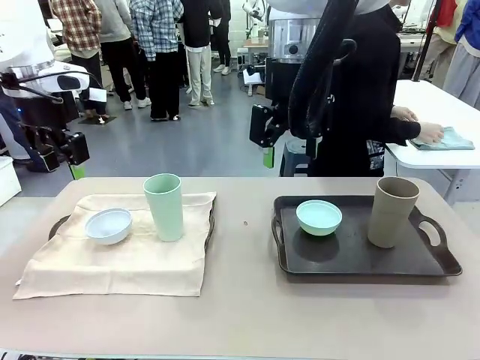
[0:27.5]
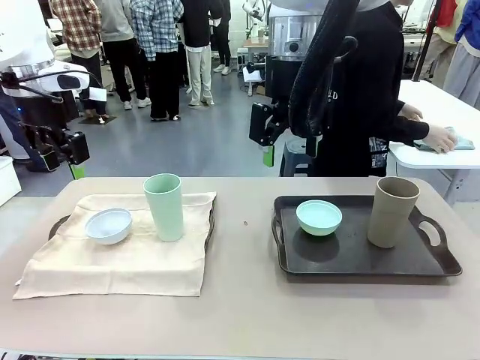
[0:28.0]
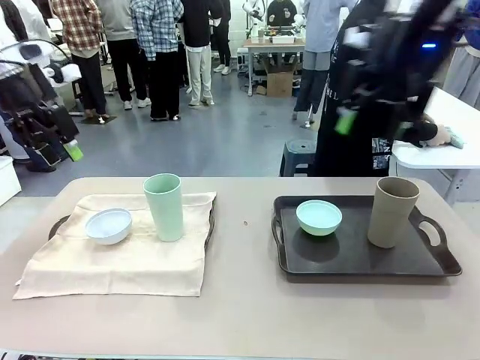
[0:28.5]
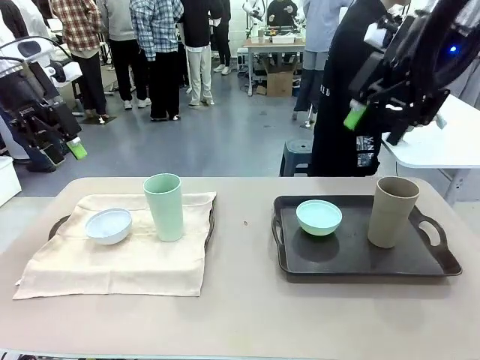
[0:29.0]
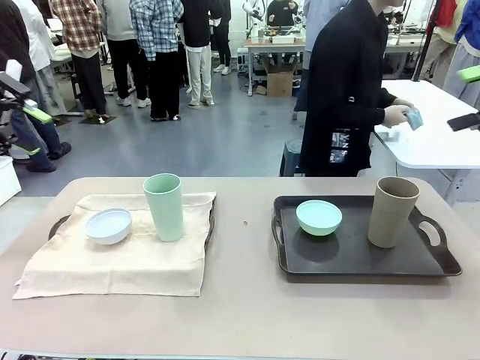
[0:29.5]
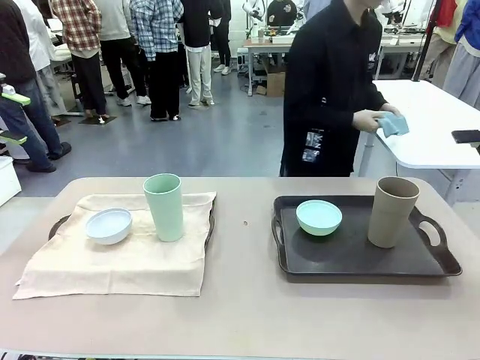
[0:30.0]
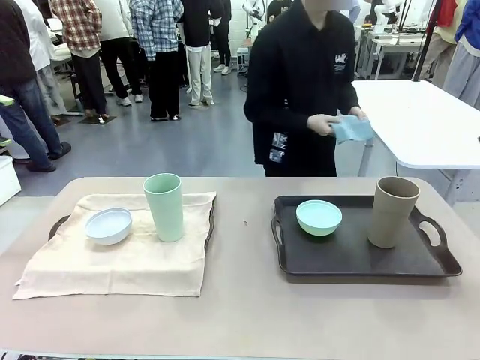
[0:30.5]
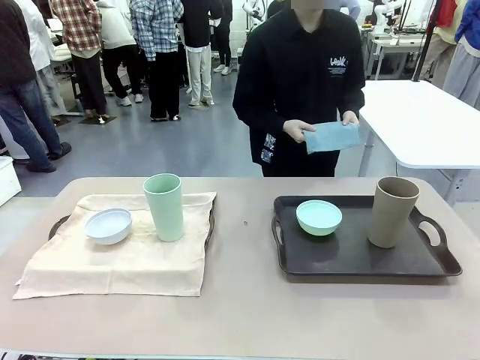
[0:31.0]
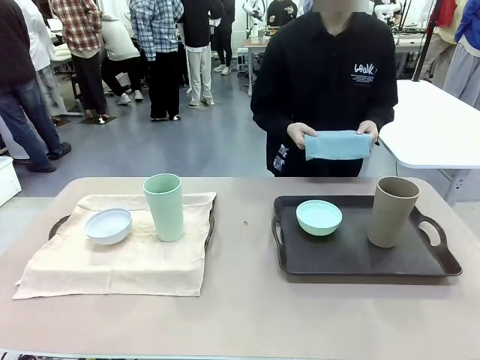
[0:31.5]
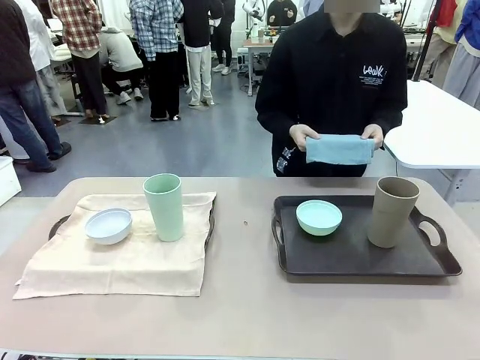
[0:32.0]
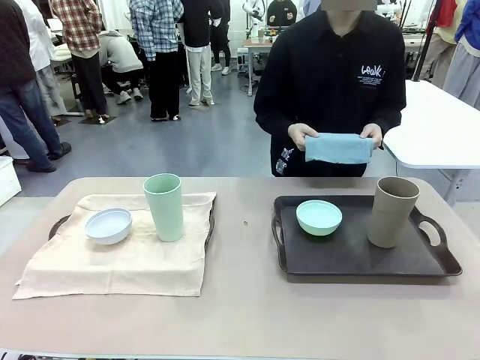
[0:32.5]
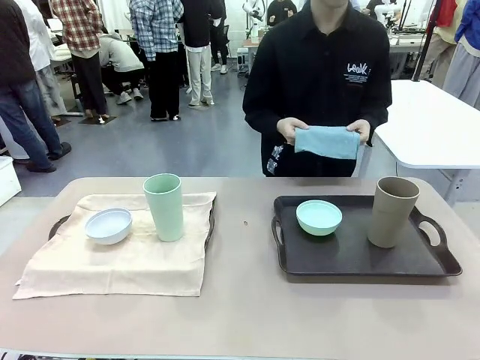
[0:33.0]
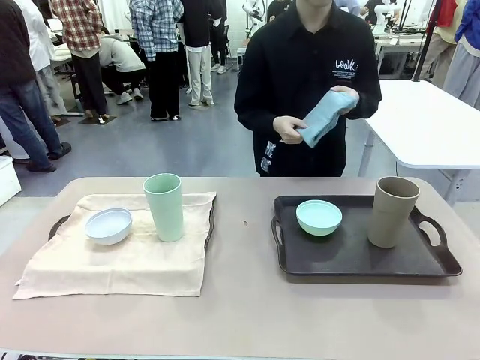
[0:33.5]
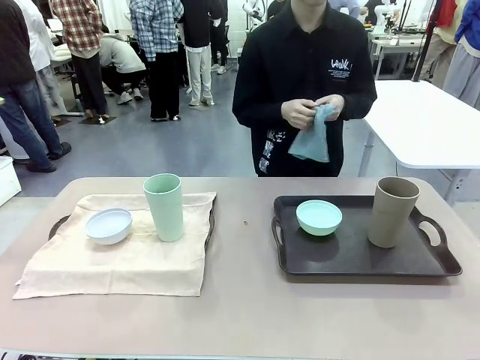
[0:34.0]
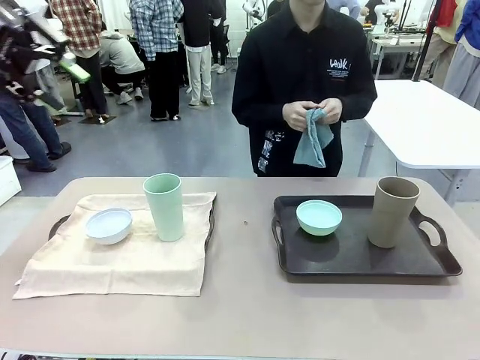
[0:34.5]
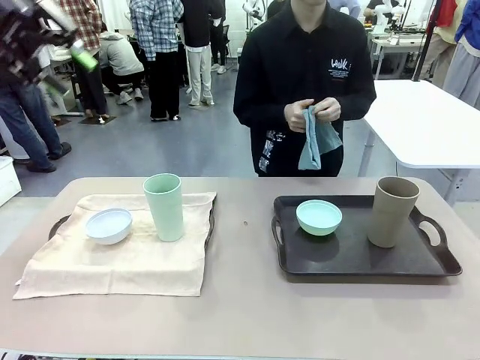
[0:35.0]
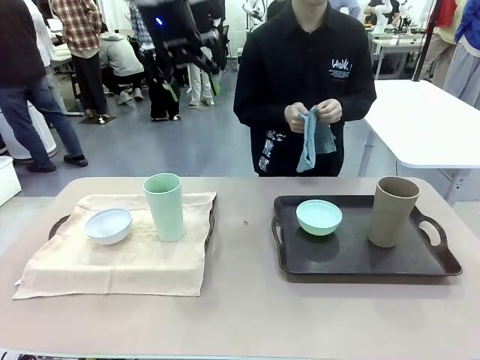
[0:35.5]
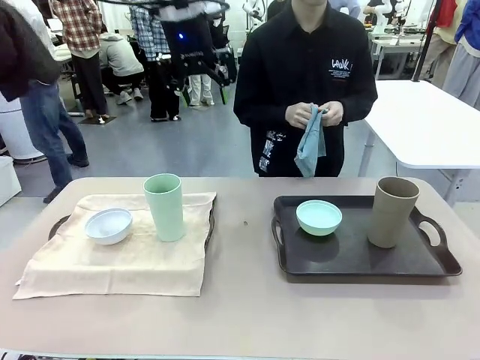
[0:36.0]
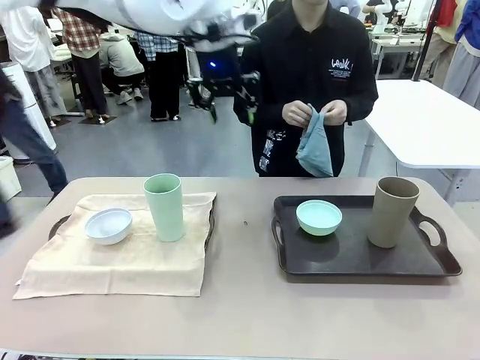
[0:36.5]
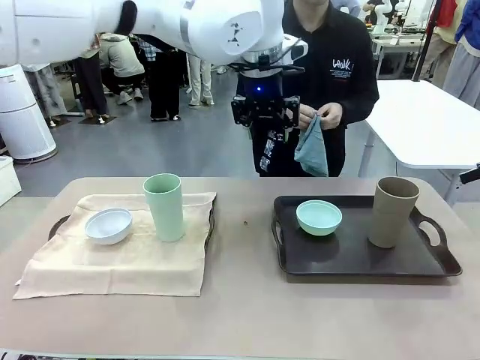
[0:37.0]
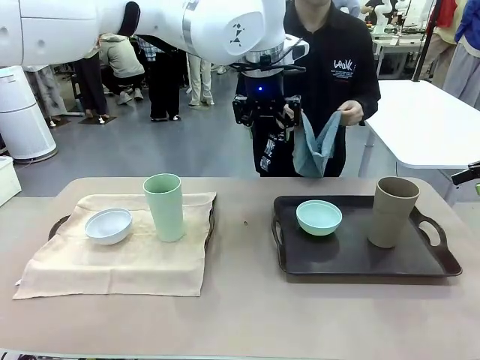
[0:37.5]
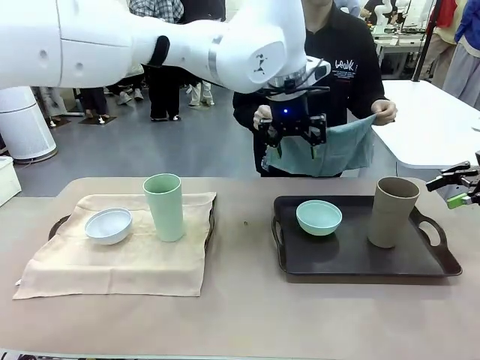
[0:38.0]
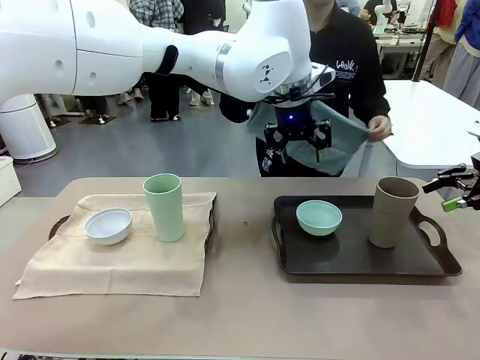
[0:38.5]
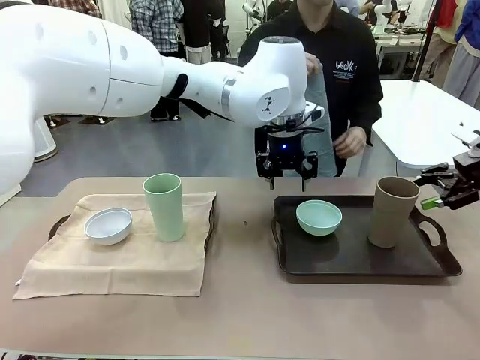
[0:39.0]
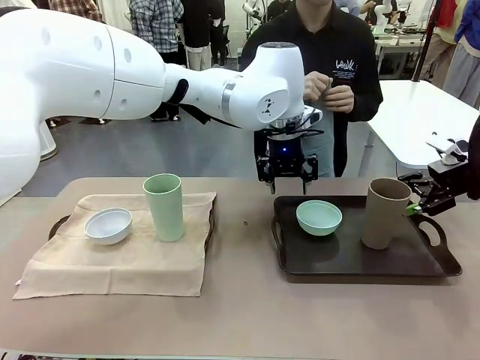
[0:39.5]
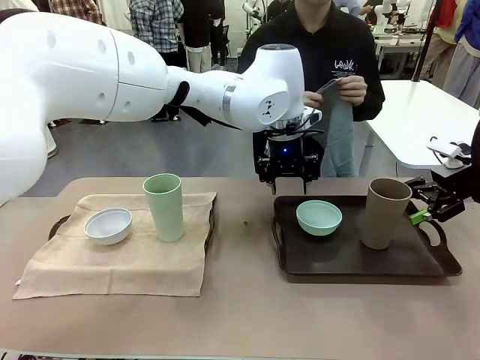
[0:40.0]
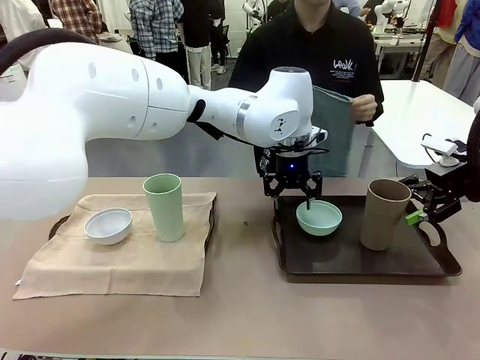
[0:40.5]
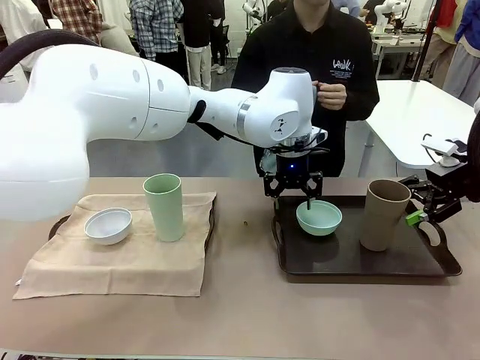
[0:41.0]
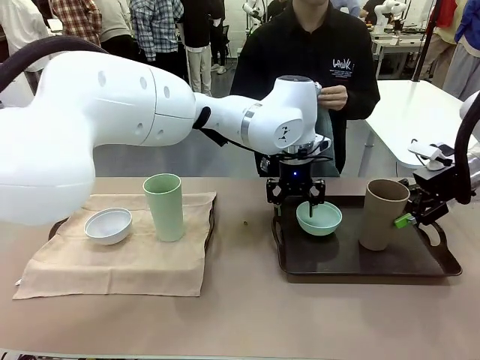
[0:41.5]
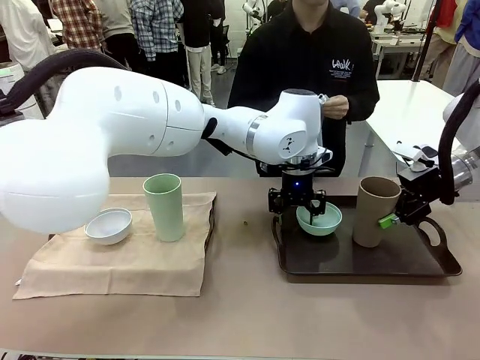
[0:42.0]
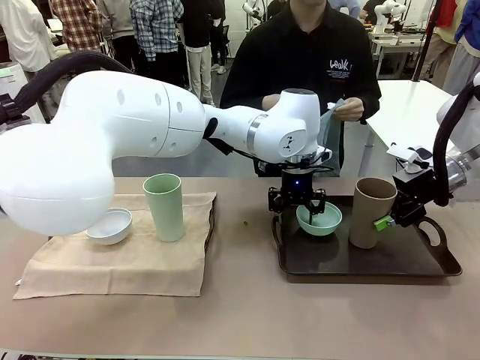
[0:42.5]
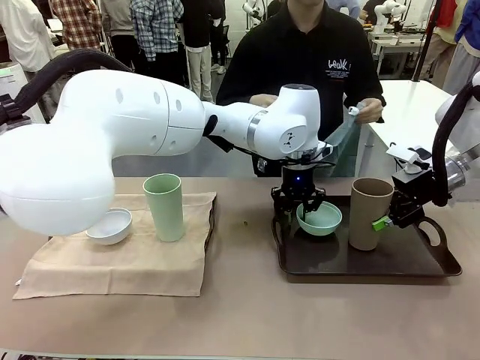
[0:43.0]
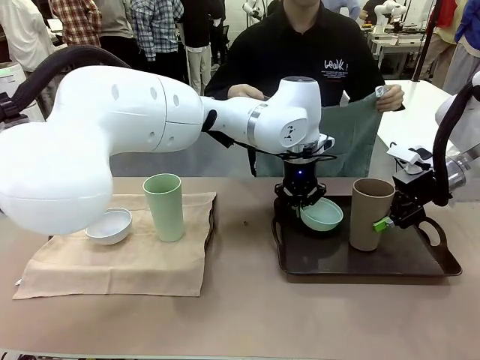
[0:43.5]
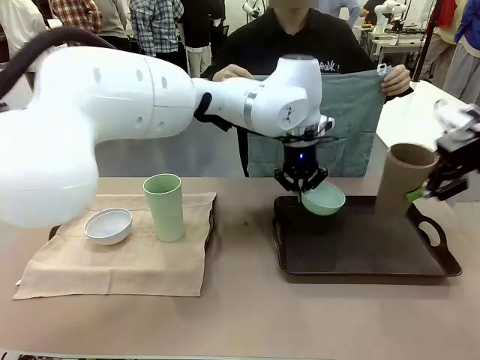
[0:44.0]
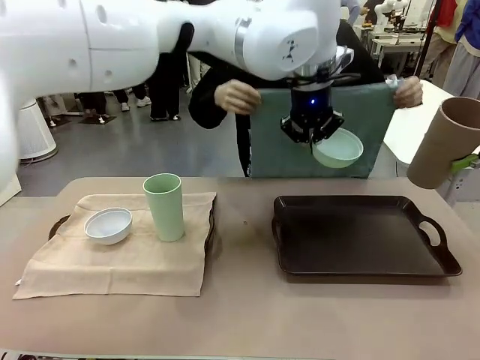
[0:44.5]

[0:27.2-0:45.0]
Robot: Pick up the Picnic Bowl and Reusable plastic cup from the Handle tray in front of the human's position and hold them in the air.
Person: The human returns to the human table to pick up another napkin and walks to the robot table to stand in front of the tray without a napkin. When the robot lifts the bowl and the cup, the human unfolds the napkin and lays the napkin flat on the tray.

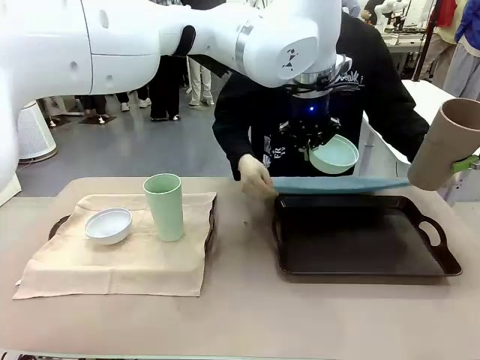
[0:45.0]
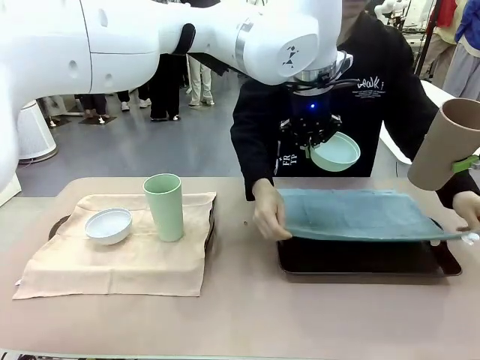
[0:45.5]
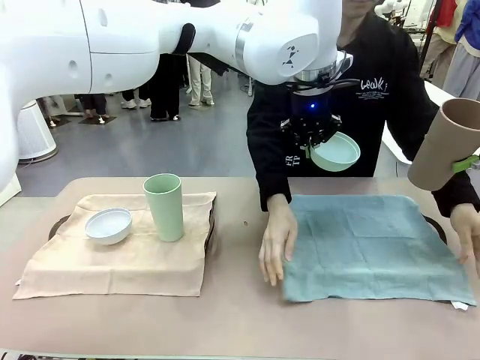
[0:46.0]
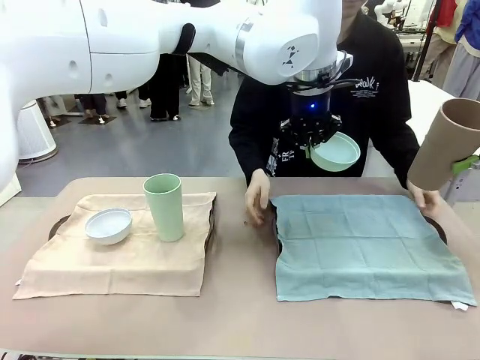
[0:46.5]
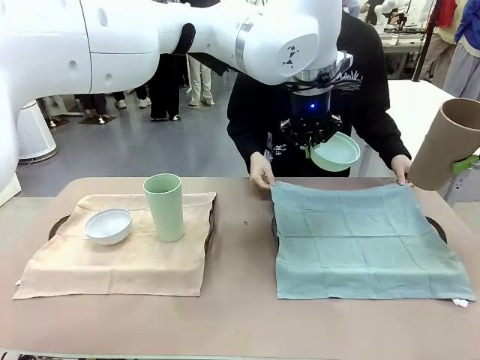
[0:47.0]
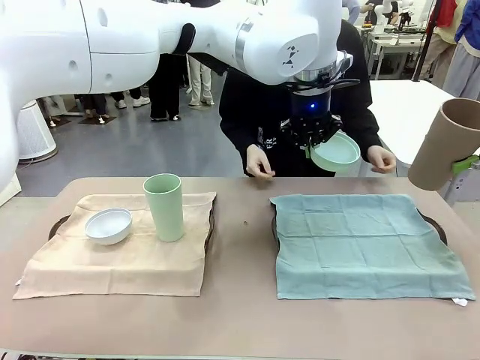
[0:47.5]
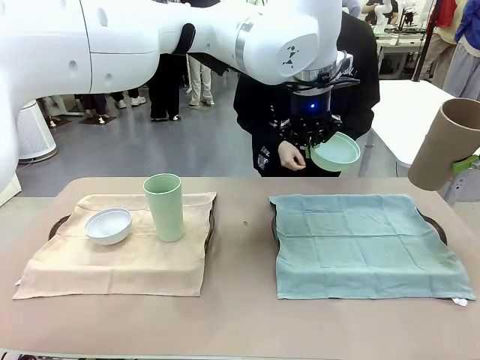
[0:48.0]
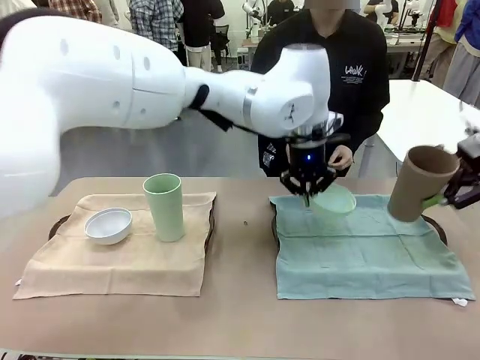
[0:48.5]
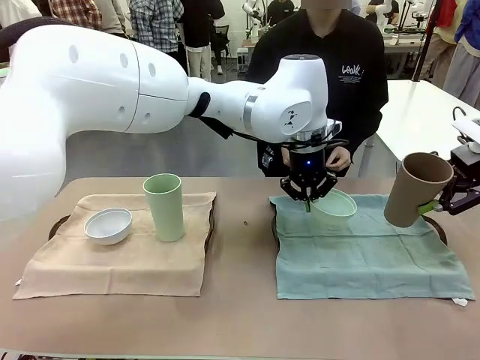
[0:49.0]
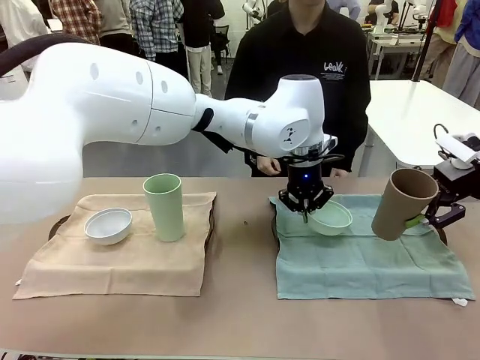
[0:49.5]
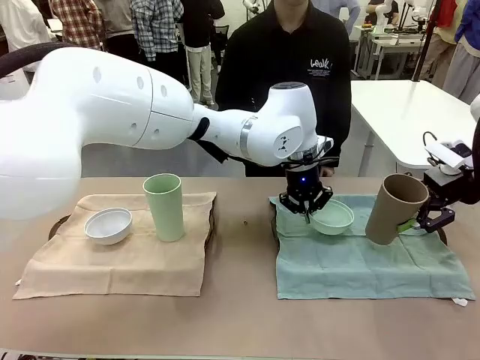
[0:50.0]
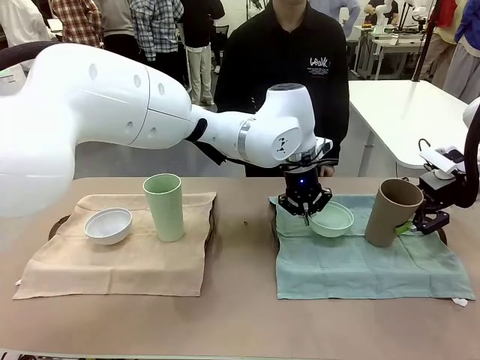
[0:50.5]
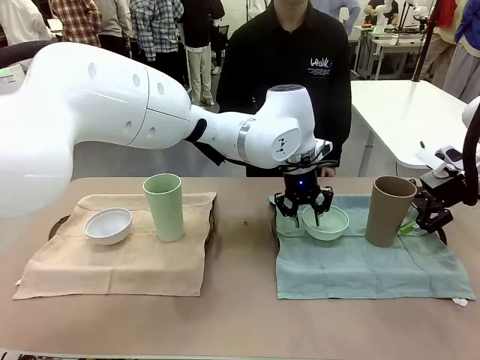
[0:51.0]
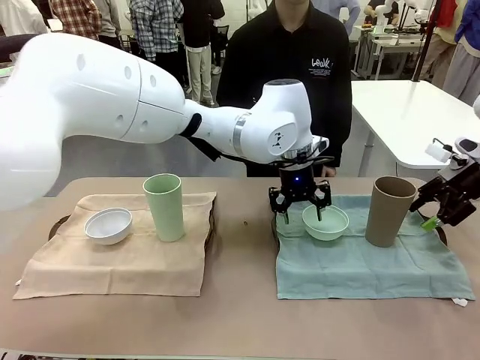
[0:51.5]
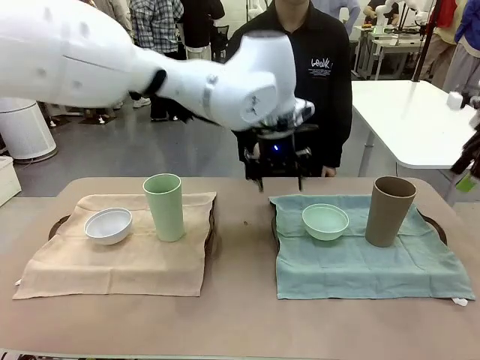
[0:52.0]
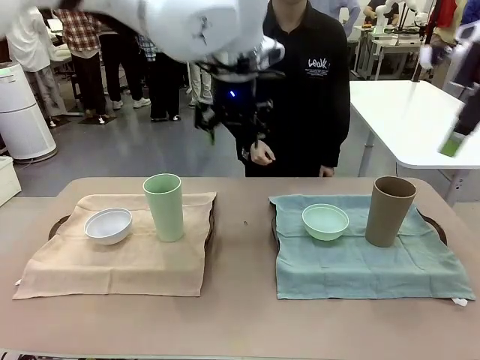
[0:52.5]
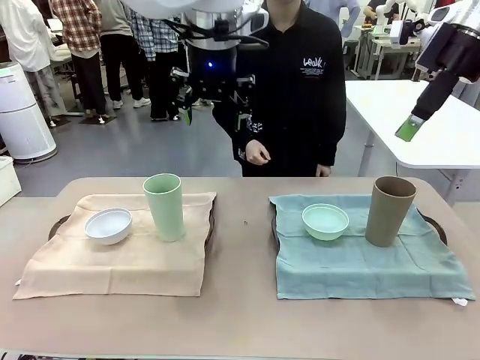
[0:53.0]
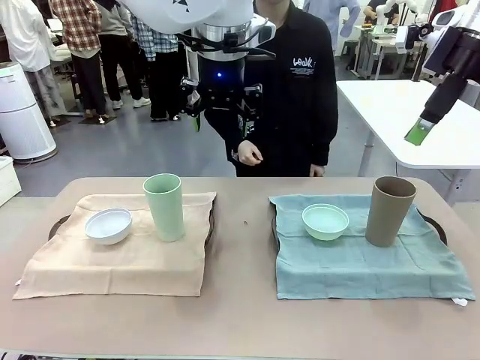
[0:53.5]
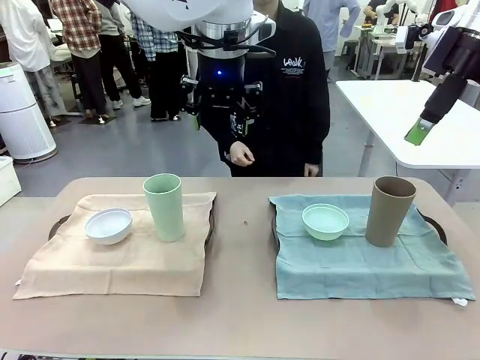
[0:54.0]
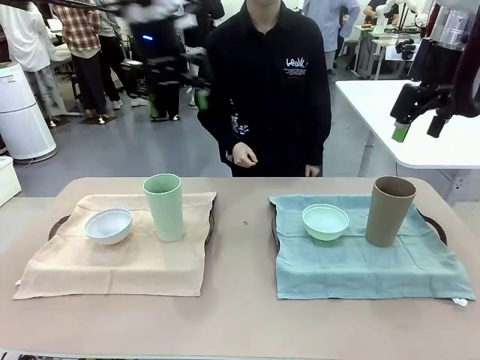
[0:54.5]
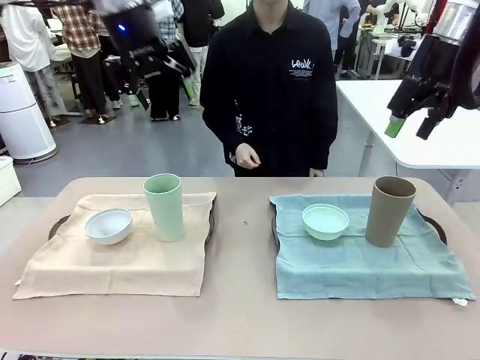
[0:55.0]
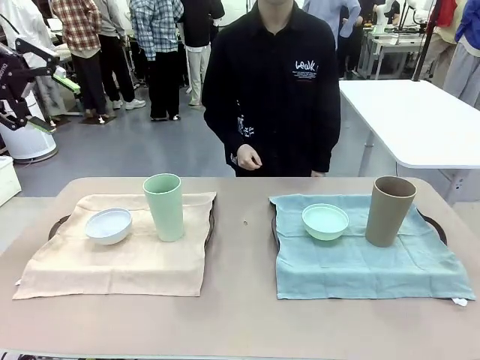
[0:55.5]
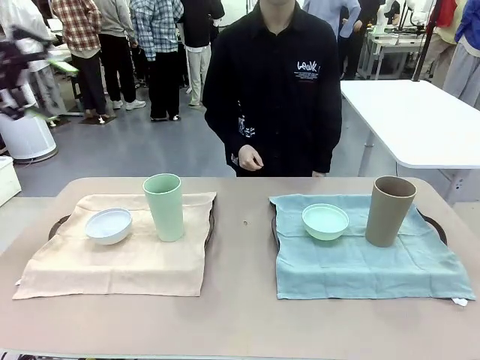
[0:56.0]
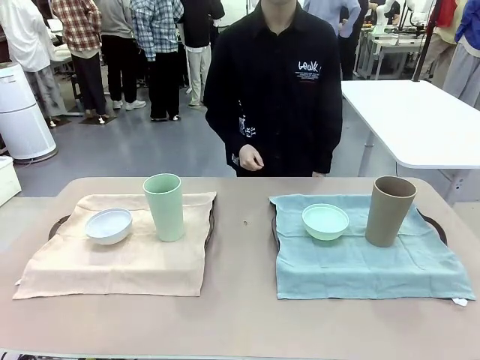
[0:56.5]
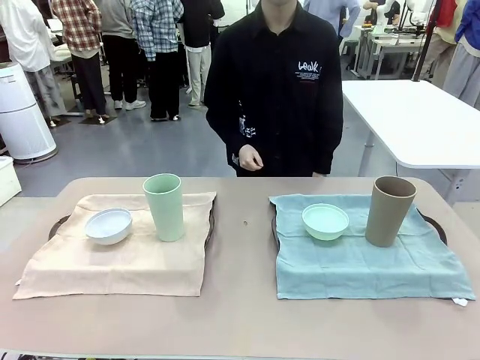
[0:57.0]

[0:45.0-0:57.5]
Robot: Place the Picnic Bowl and Reusable plastic cup back onto the Handle tray in front of the human's position.
